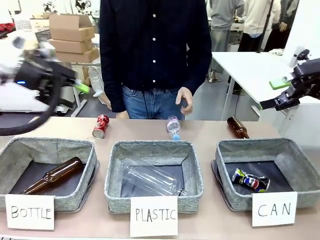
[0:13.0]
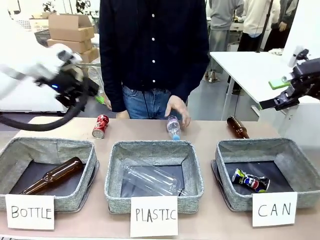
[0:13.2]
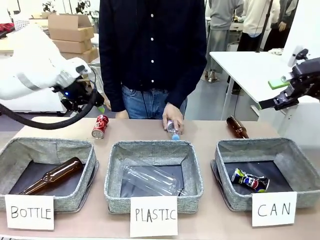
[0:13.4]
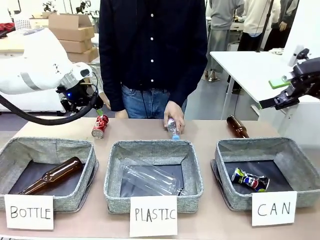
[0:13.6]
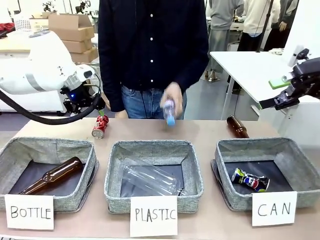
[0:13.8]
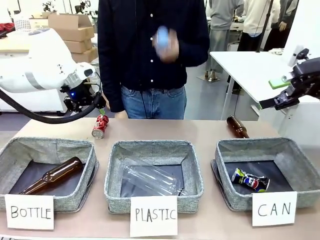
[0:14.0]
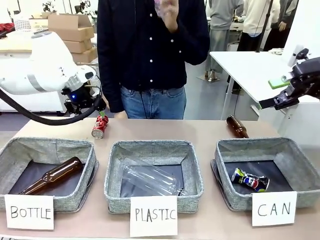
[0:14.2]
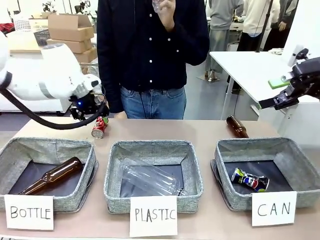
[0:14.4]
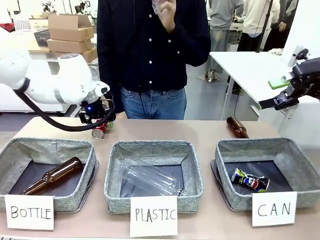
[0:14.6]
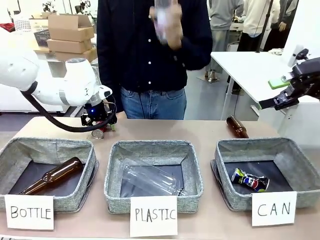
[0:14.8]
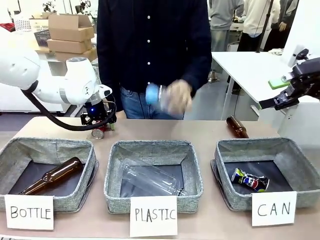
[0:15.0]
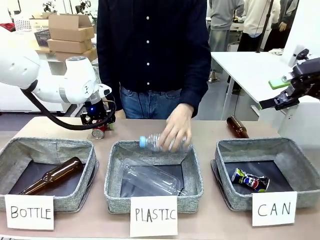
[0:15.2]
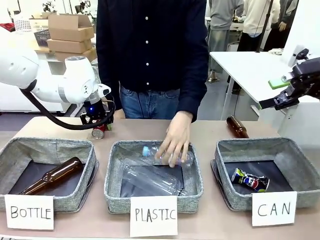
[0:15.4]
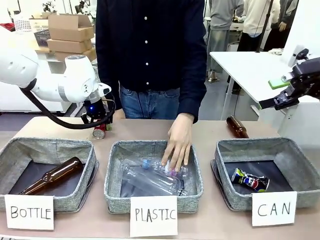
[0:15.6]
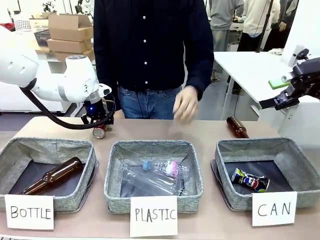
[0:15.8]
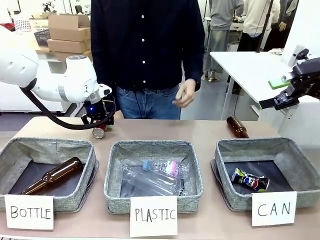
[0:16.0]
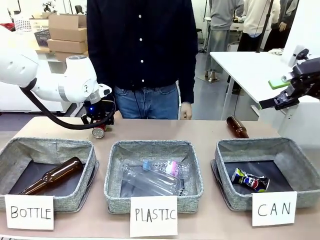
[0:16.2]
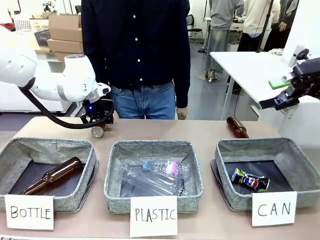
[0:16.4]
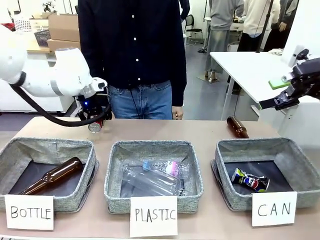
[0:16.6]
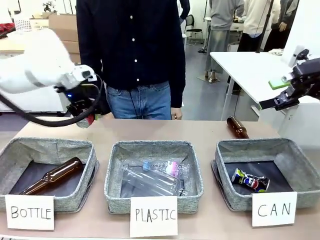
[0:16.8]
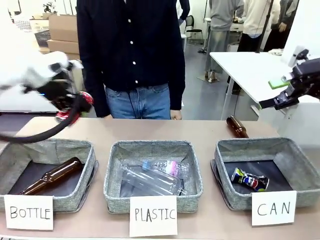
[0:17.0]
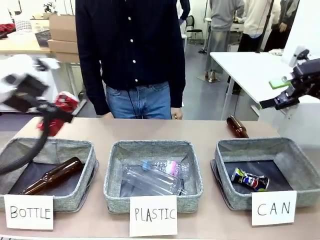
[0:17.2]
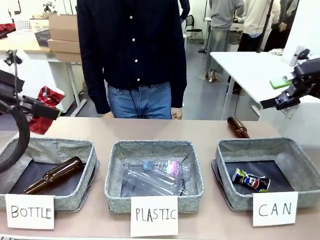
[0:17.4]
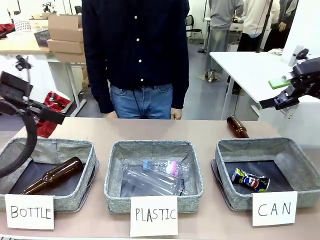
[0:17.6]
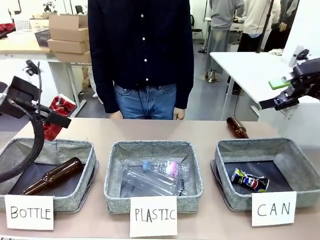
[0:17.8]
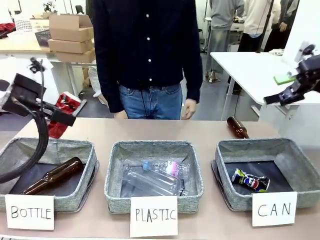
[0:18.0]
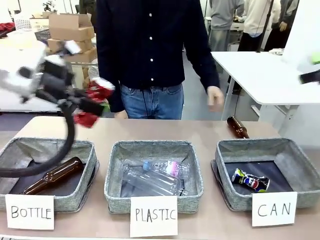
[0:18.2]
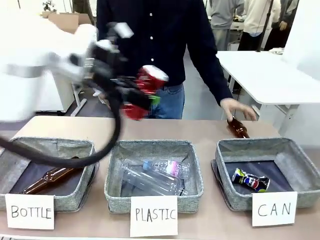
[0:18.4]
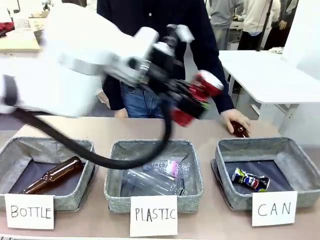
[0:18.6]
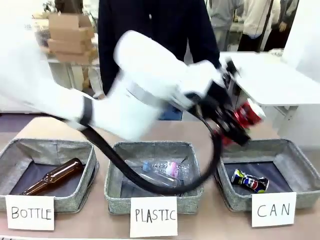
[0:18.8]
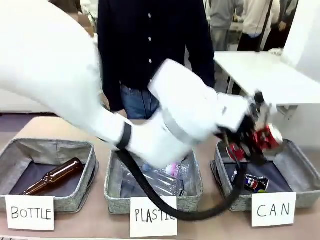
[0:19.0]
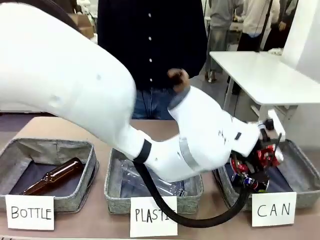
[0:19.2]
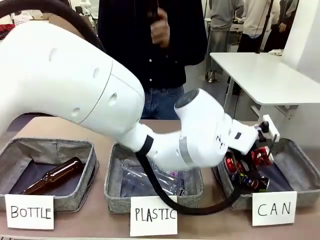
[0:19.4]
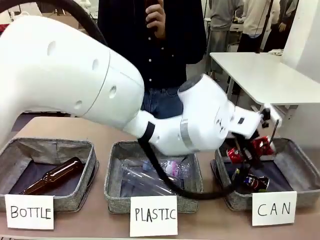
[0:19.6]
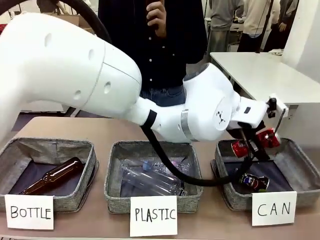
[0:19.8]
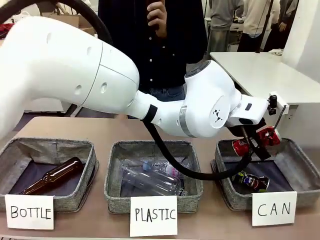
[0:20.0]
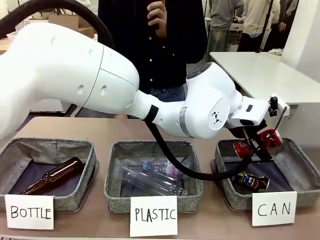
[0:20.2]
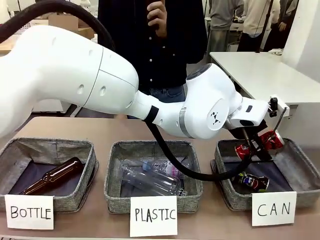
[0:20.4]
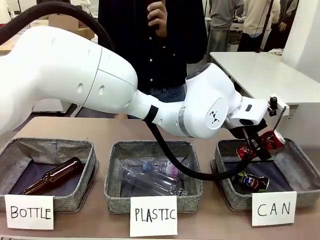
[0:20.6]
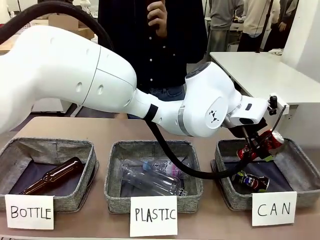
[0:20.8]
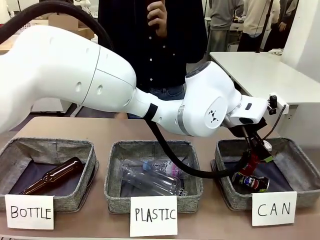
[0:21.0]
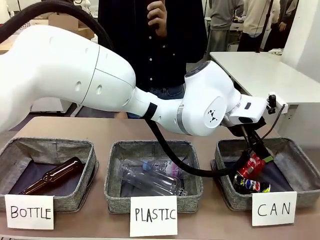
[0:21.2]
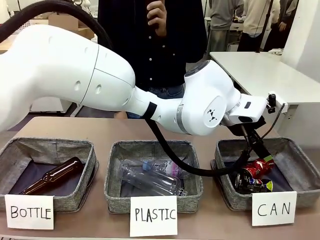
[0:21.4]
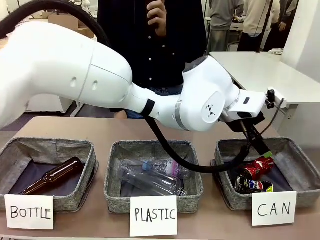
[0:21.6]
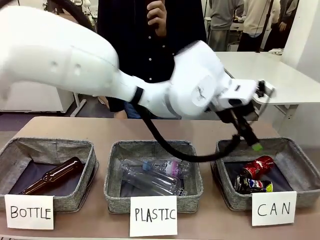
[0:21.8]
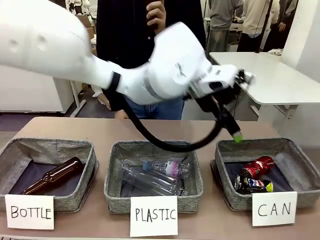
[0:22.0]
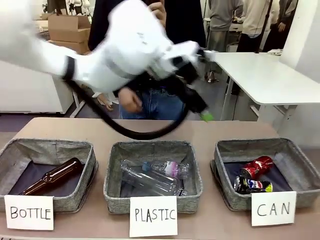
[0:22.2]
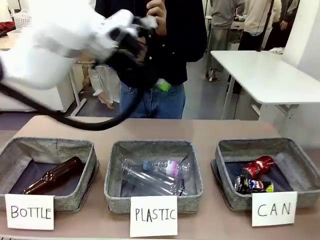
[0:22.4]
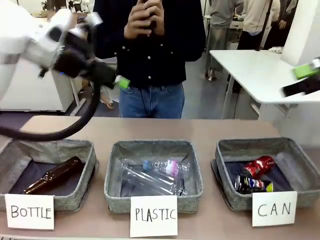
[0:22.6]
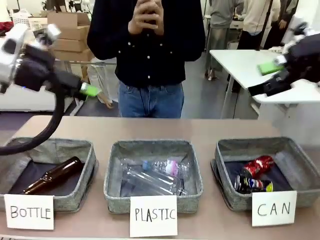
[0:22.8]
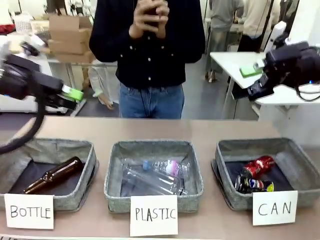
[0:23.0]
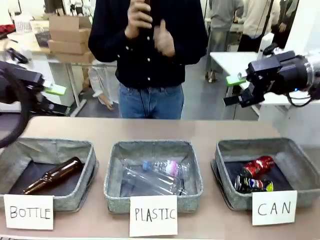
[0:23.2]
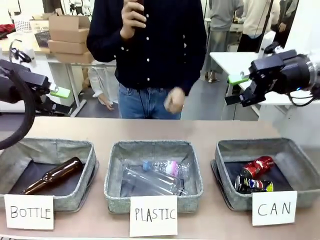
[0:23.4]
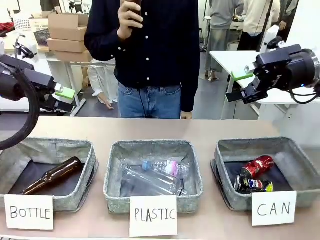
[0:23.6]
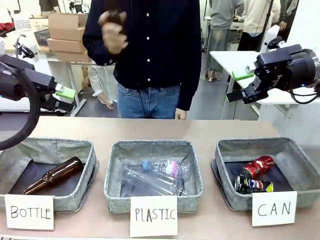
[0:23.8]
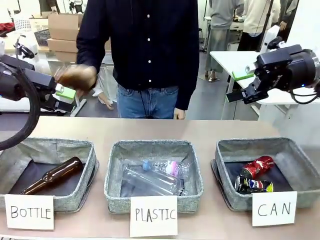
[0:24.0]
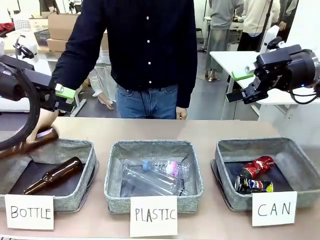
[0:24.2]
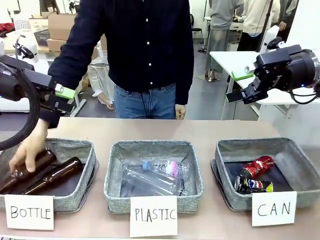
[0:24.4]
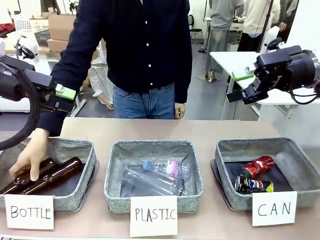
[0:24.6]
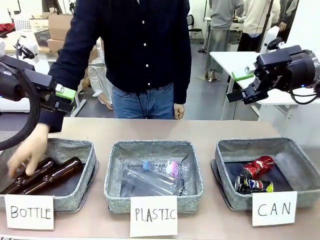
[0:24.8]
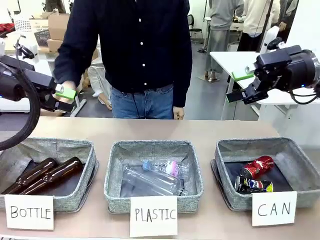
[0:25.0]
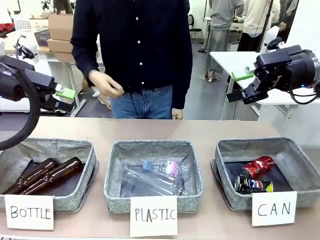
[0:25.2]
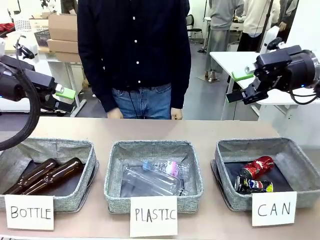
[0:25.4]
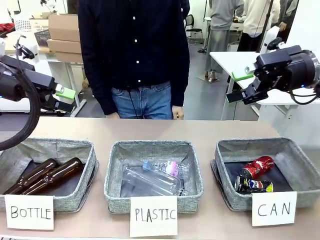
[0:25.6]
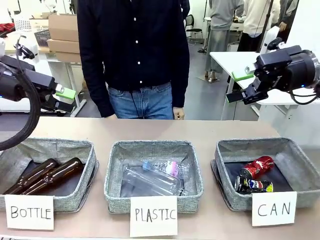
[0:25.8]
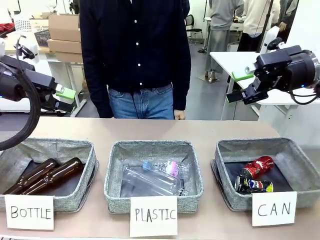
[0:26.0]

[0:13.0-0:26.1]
Task: Sort the can waste into the basket.
Robot: Pick up the can waste from the table and place it in the right Fabric basket.
Person: The human picks up one piece of trash that is not a can and places the trash into the appropriate organizing basket.
